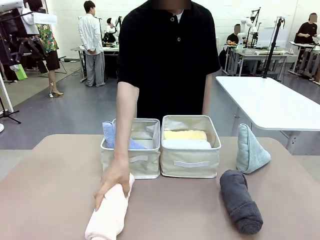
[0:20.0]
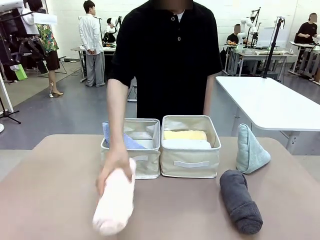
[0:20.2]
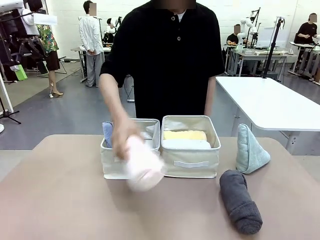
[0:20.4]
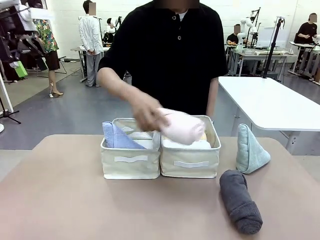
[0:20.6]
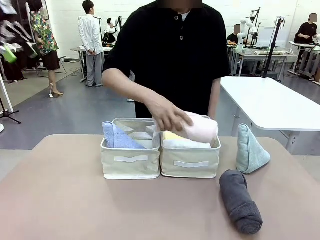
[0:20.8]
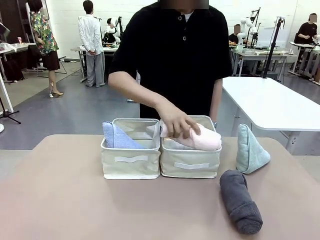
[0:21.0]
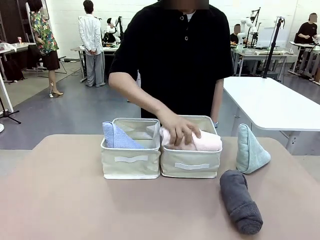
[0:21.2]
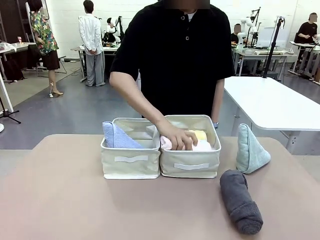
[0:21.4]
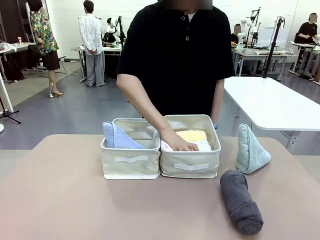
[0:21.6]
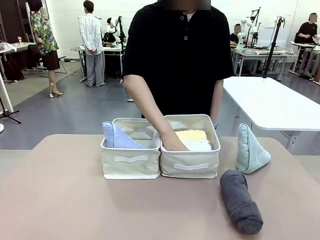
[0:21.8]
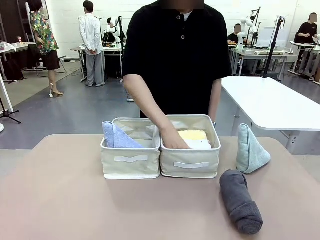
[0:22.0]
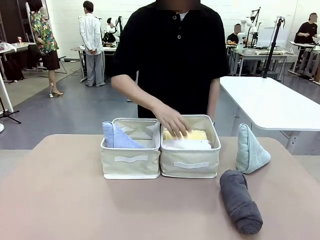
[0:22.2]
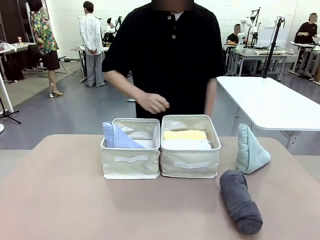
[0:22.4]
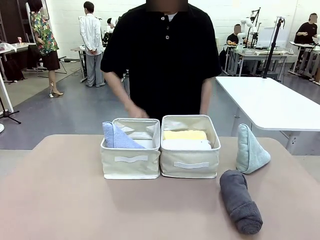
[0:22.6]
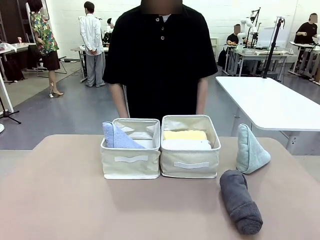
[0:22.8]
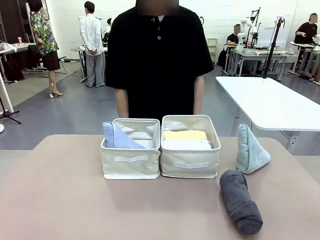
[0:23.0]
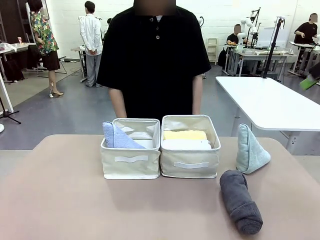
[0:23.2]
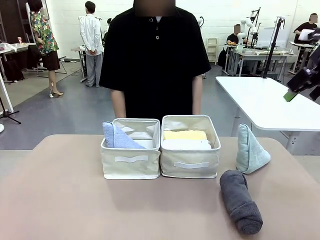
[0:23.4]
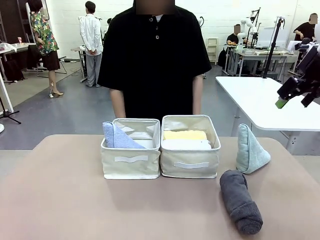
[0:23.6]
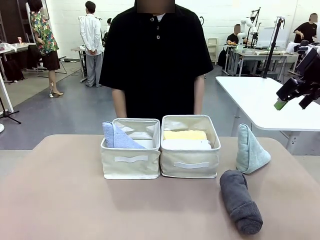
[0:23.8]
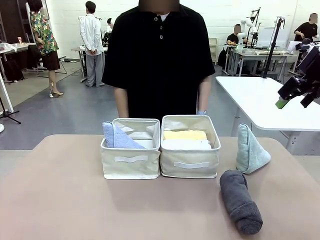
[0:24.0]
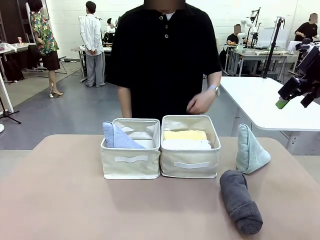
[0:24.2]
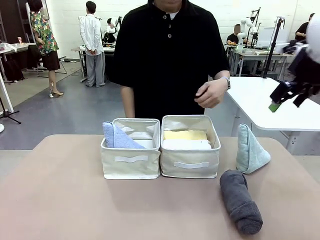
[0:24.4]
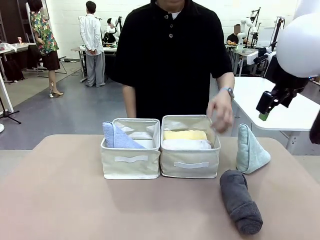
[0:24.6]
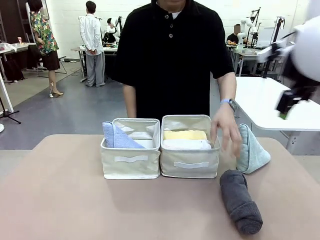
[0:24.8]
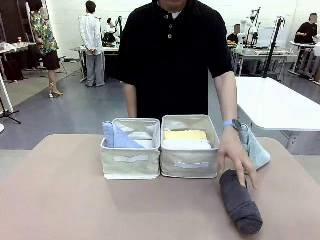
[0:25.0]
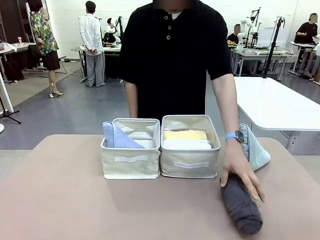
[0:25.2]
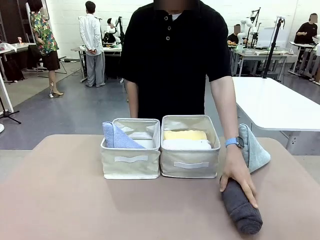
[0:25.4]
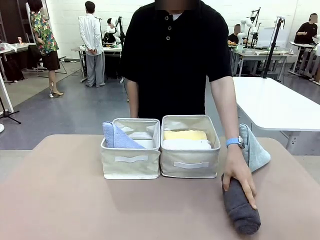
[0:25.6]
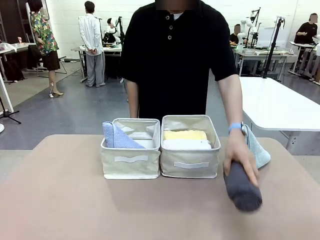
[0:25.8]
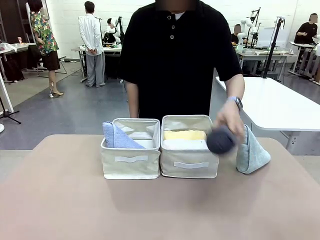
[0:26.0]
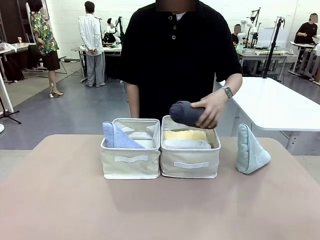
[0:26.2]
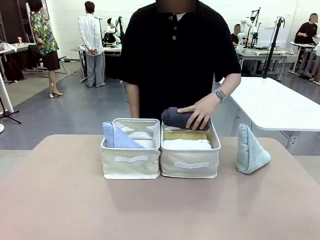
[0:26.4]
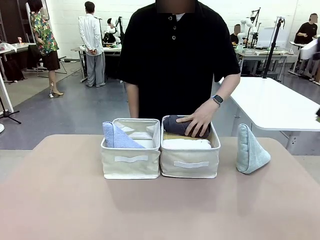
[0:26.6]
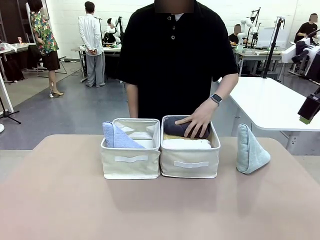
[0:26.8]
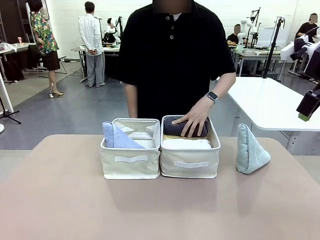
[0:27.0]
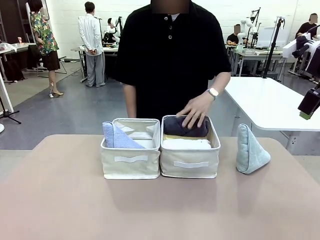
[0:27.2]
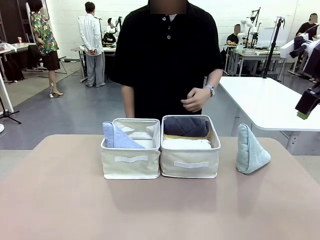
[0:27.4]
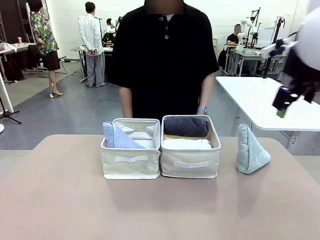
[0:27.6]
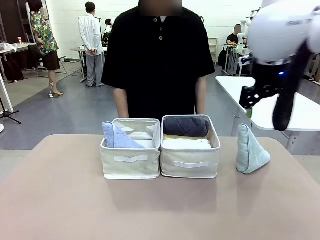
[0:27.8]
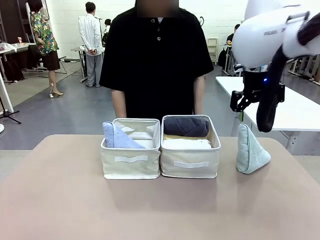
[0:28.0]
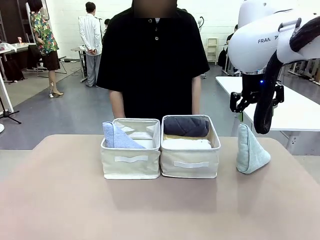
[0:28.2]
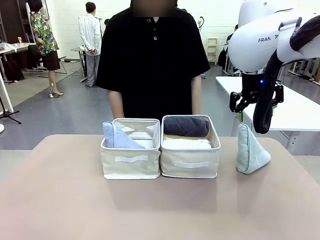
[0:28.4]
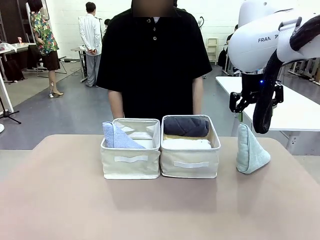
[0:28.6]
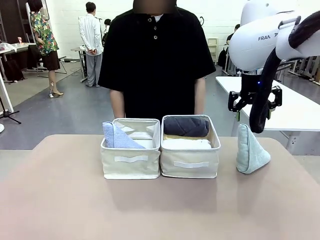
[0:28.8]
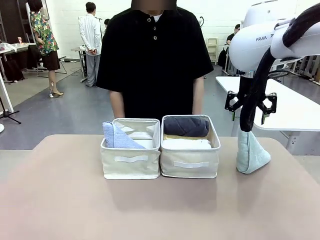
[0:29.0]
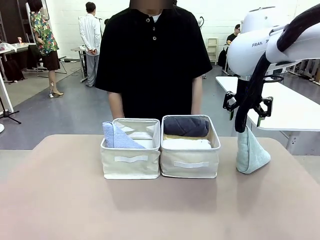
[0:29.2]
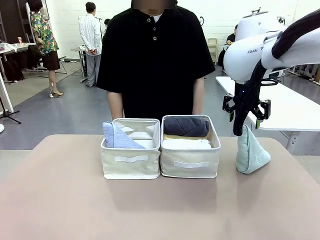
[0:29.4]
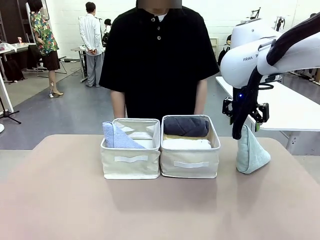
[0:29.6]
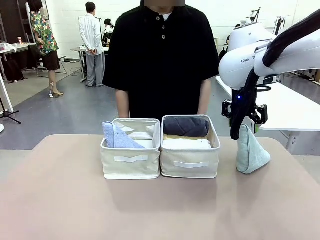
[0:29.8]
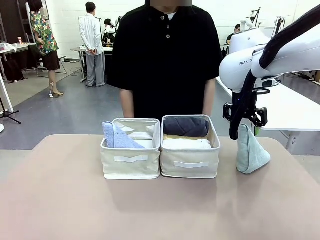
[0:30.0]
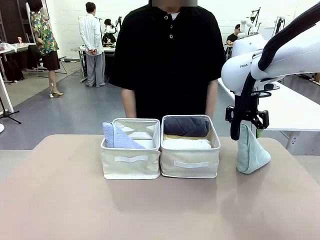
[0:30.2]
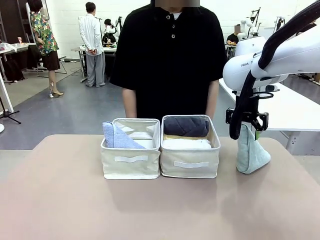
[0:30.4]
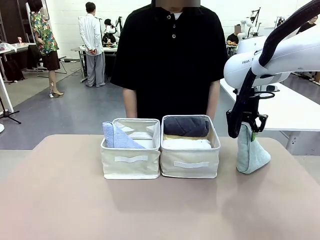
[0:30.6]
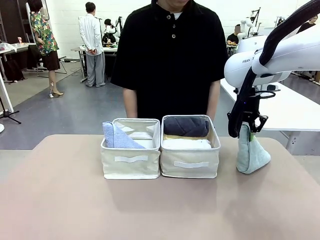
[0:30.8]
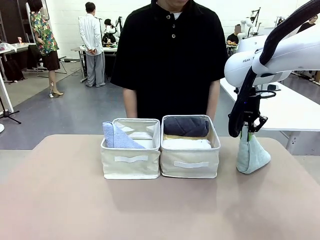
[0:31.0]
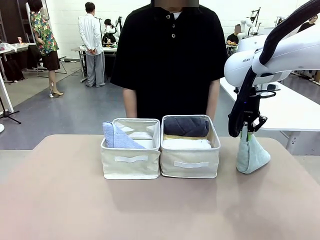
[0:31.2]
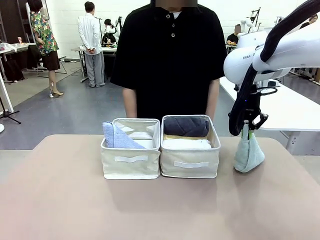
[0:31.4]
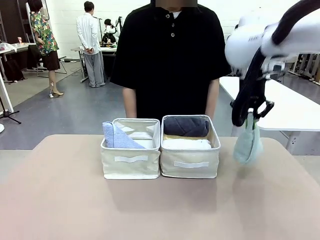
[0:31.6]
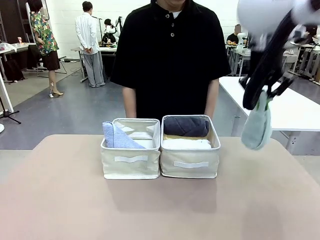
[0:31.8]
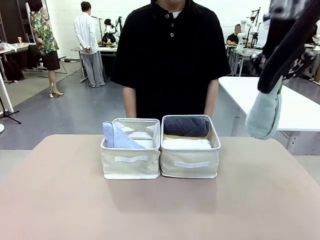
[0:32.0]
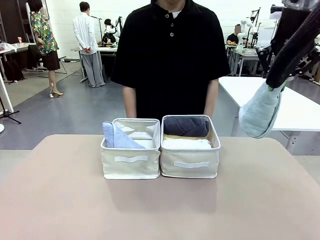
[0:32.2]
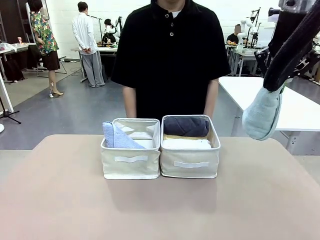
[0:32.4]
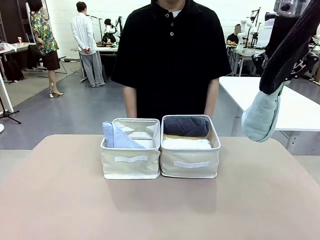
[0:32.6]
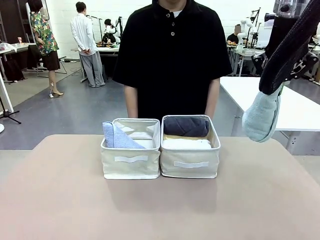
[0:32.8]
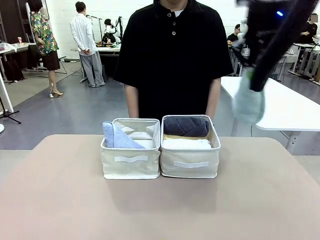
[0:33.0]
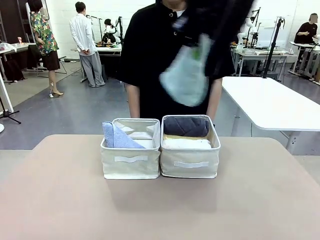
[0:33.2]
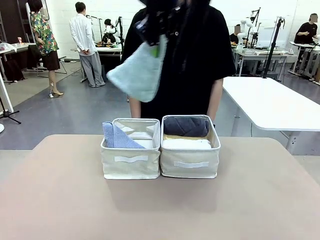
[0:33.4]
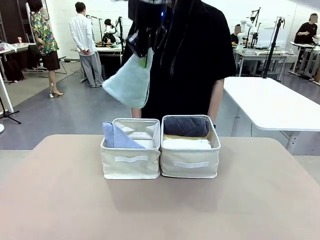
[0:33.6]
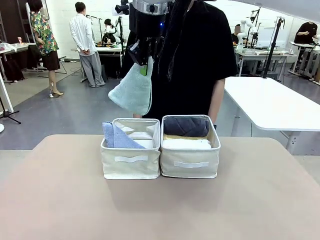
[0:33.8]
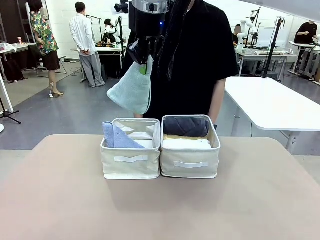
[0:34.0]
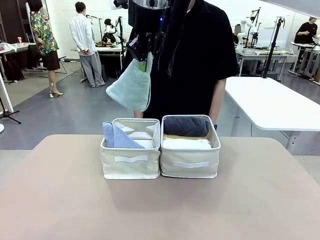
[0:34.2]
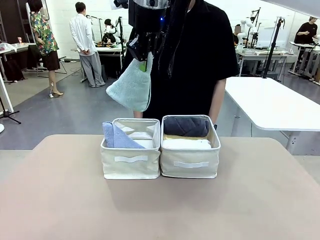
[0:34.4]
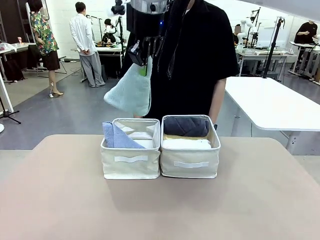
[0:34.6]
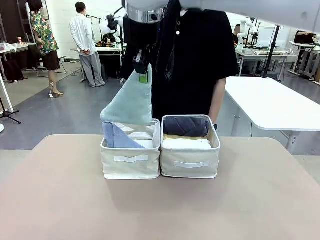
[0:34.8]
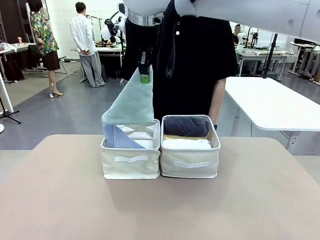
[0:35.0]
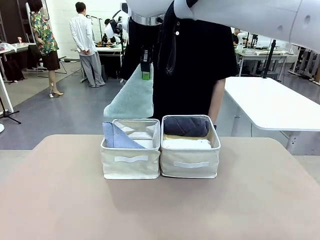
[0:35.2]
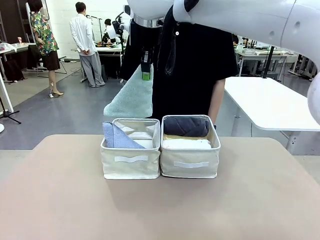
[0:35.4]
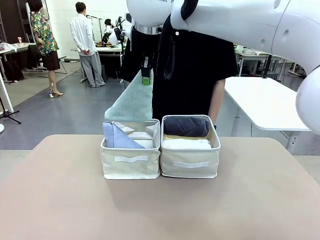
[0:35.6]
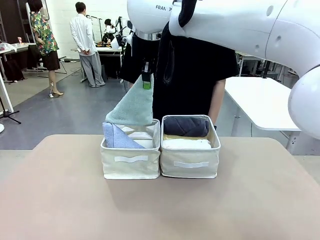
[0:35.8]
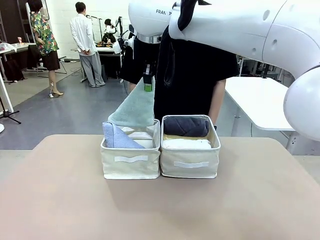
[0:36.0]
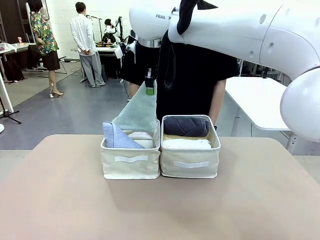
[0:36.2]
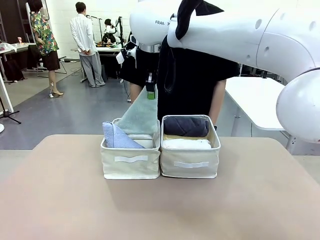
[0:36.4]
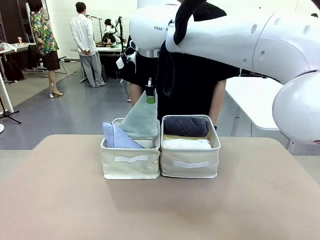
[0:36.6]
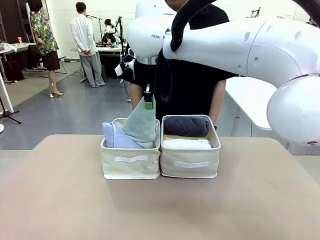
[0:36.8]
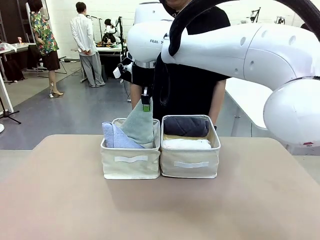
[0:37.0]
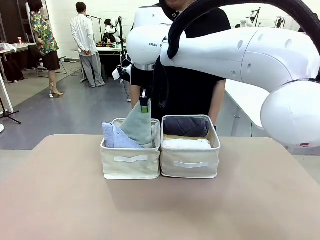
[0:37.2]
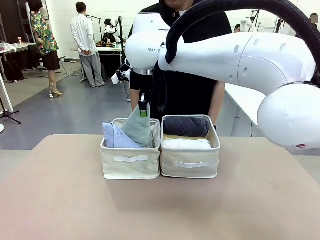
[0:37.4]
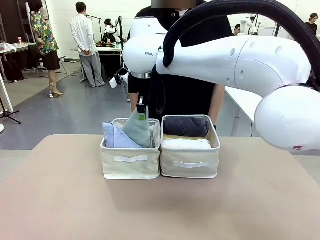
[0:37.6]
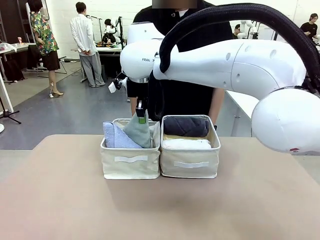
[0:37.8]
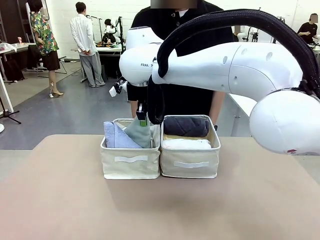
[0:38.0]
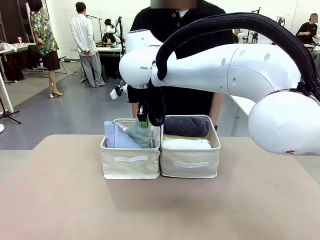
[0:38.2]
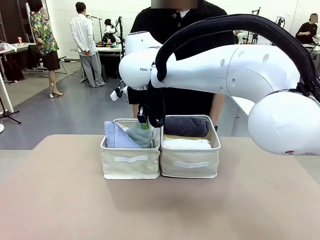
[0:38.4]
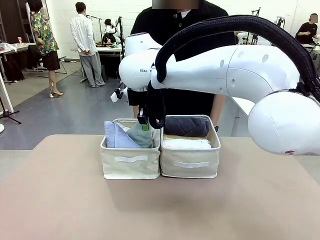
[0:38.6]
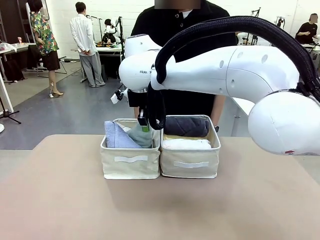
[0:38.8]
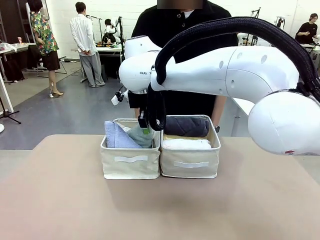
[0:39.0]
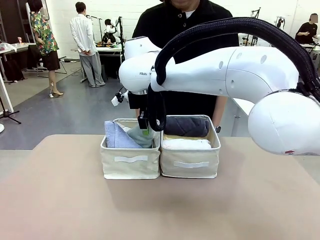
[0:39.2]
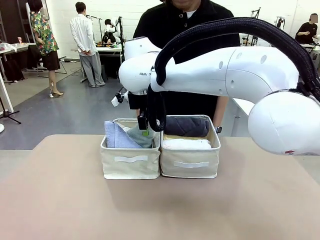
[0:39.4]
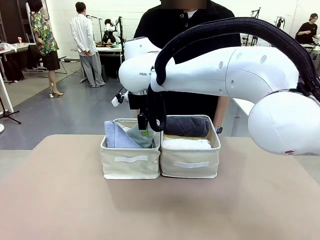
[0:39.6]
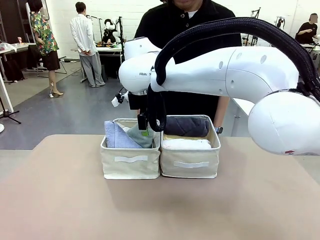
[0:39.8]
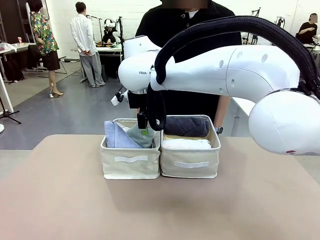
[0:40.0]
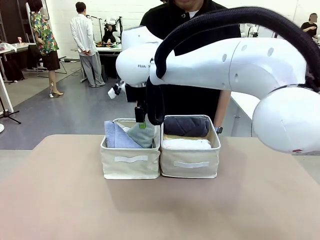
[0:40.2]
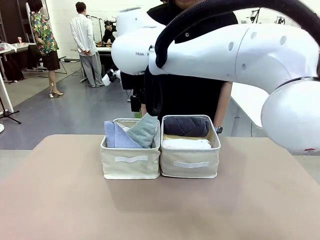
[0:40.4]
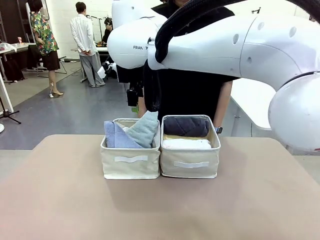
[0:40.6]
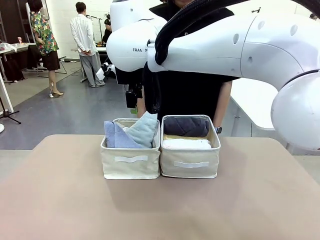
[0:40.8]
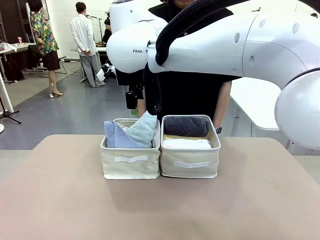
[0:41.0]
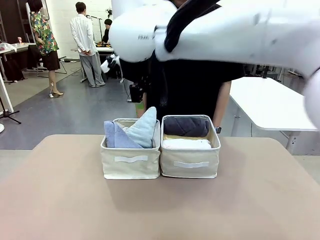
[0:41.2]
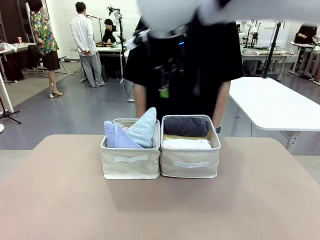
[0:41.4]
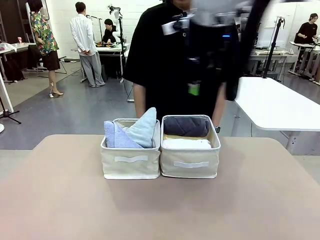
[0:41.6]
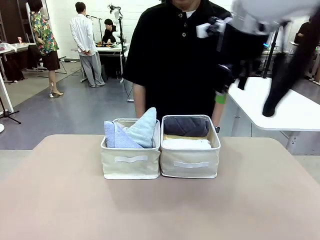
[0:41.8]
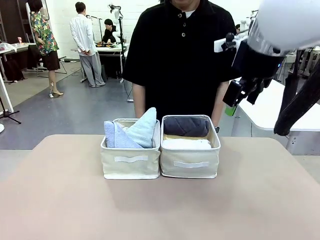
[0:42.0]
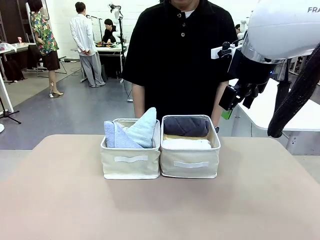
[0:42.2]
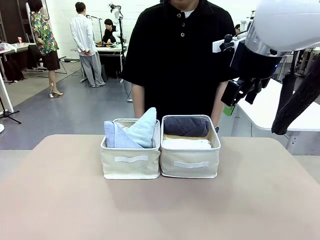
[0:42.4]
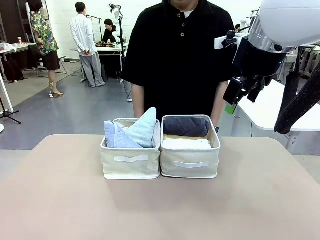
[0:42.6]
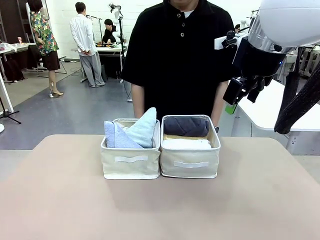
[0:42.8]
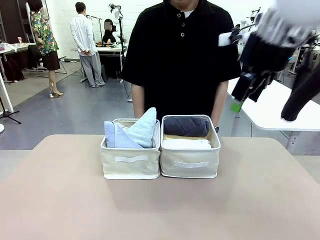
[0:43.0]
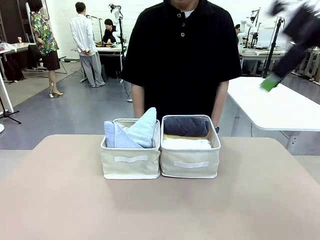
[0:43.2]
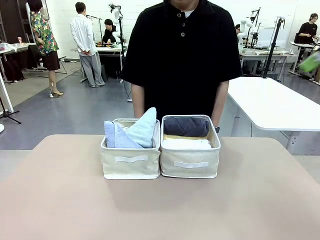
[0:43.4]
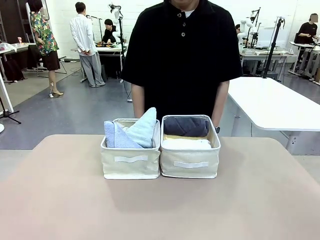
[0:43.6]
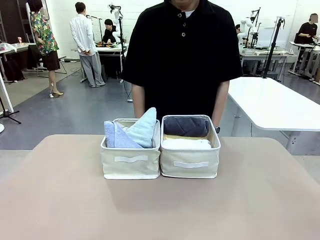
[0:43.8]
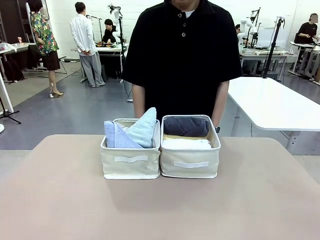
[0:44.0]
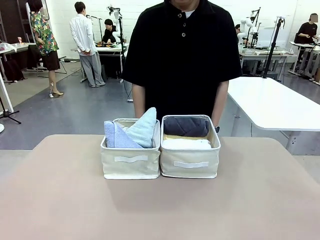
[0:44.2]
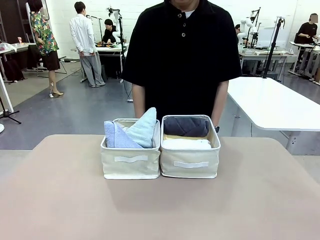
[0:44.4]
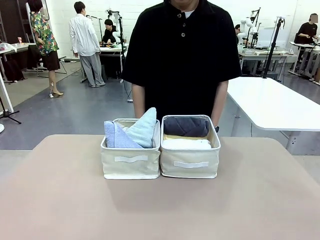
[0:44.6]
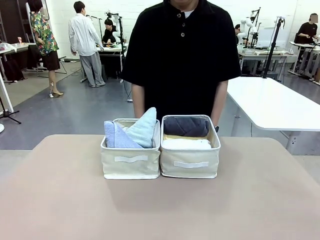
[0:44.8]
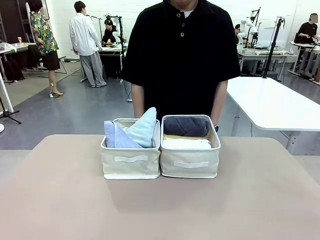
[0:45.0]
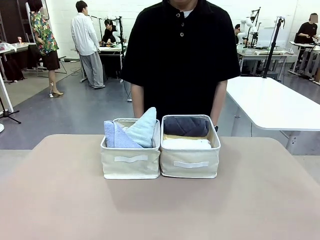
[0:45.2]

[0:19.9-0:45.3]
Task: Sort the towels based on their folding style.
Robot: Pick up another triangle-folded towel from the table and place it in the left Fabric basket.
Person: Pick up one hotel-style rolled towel from the table and place it in the left fabric basket.
